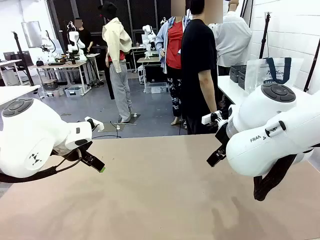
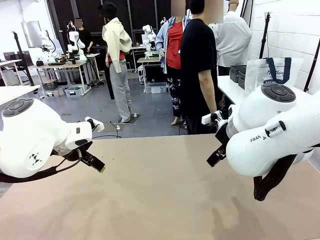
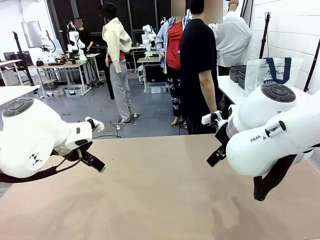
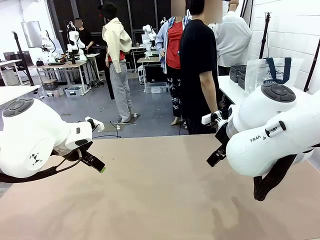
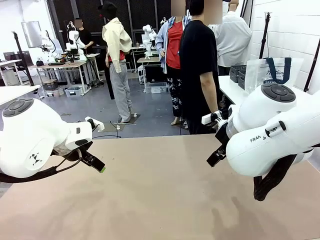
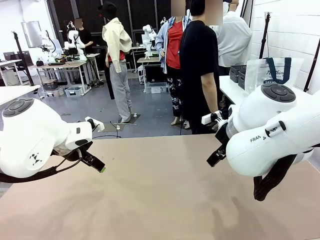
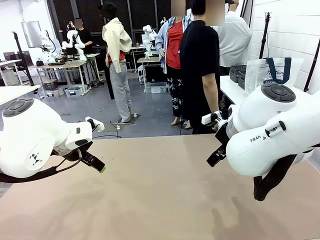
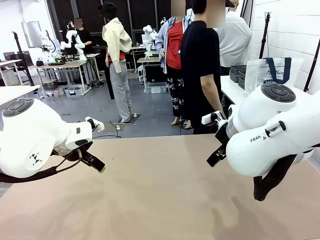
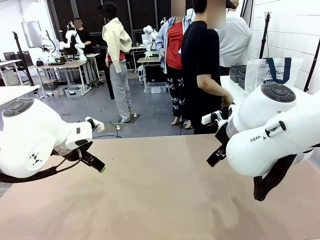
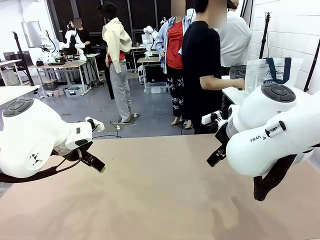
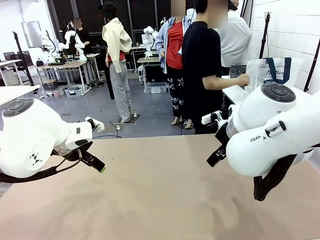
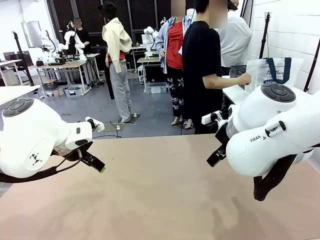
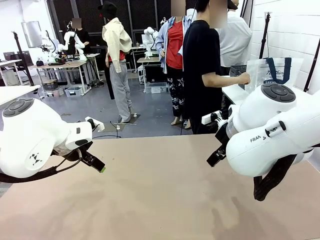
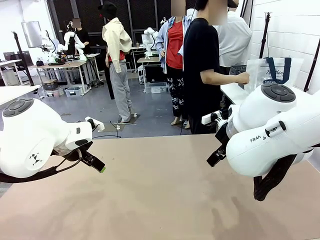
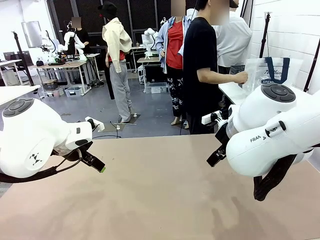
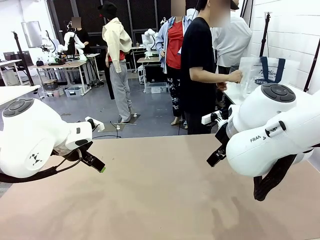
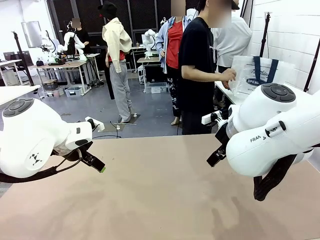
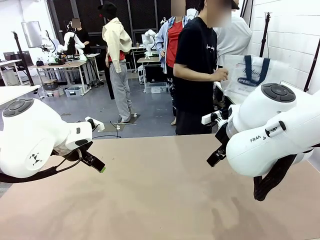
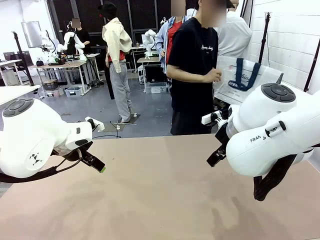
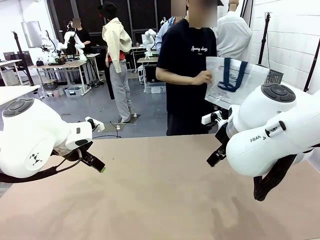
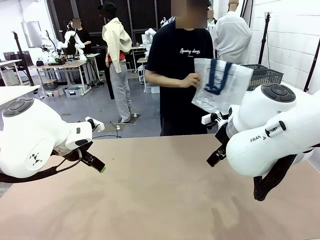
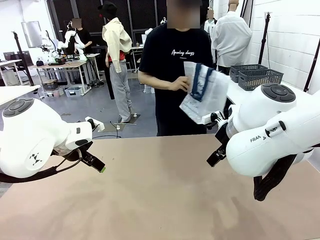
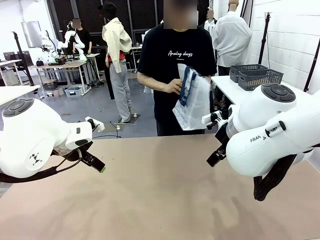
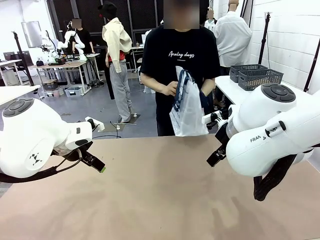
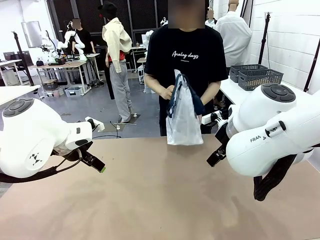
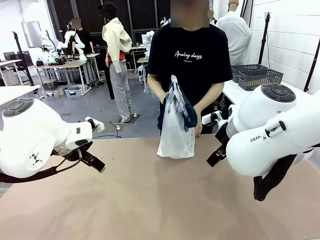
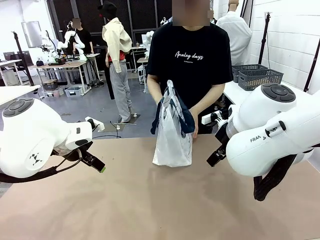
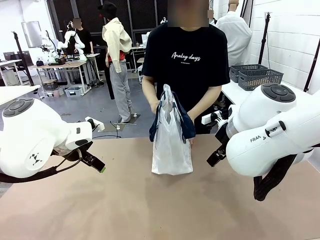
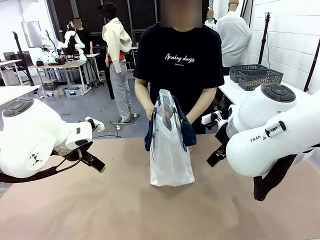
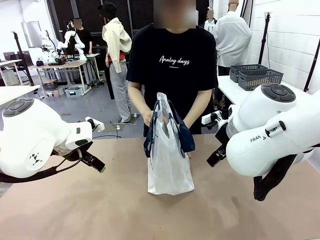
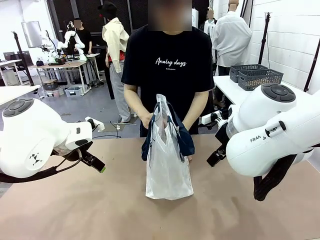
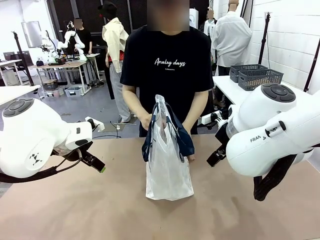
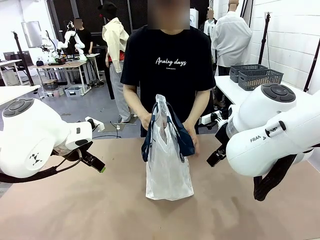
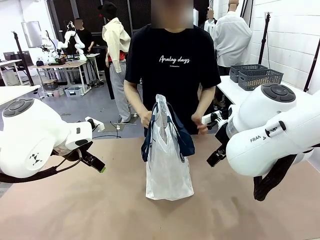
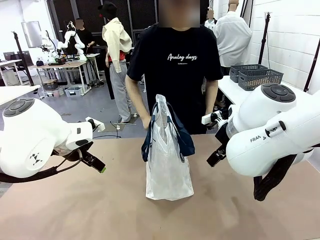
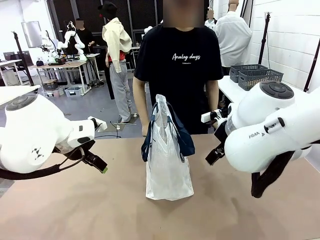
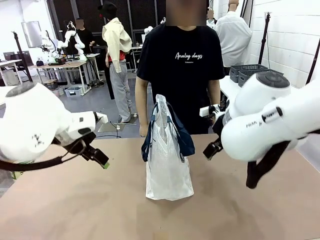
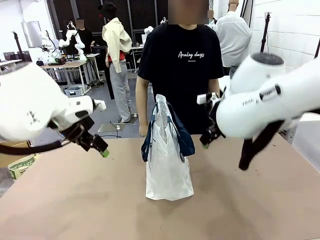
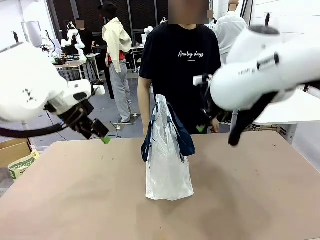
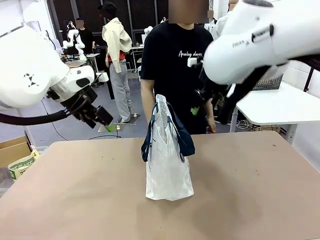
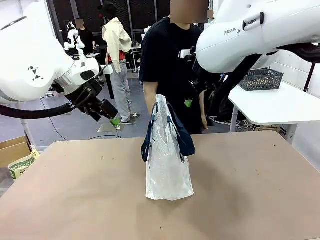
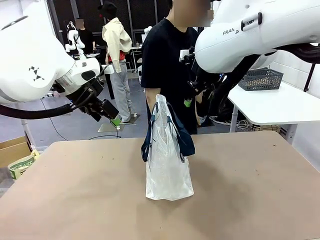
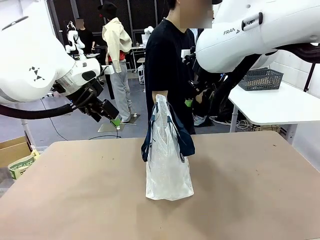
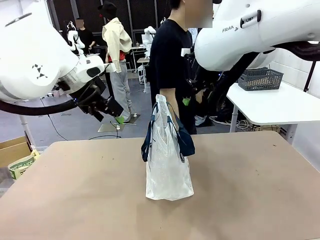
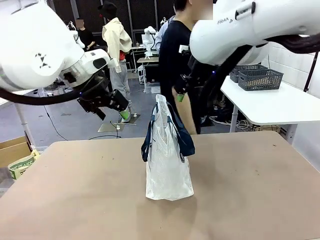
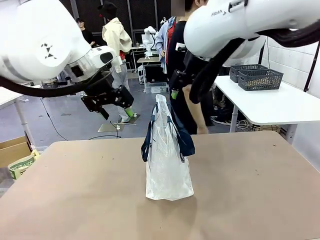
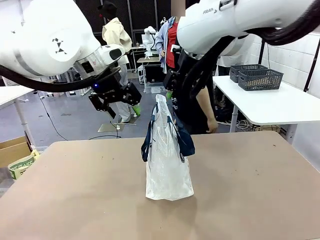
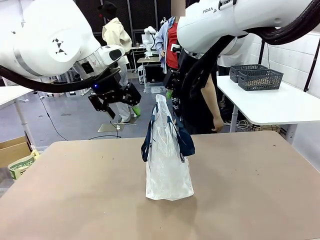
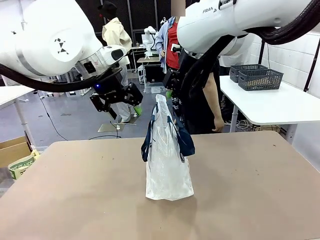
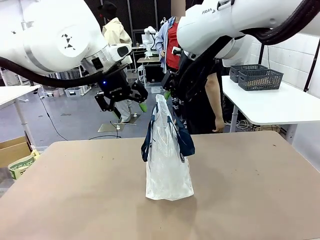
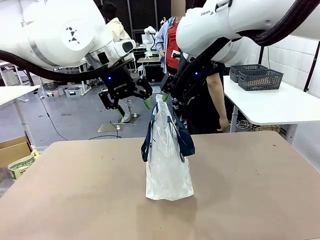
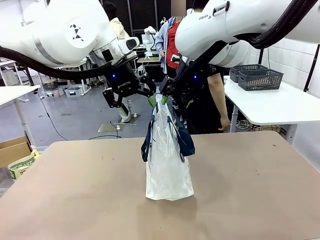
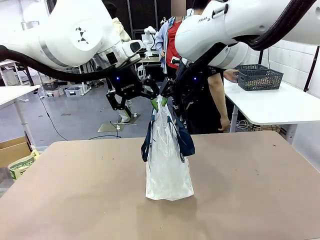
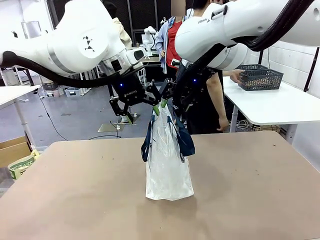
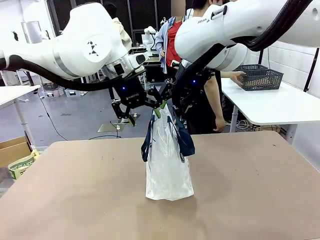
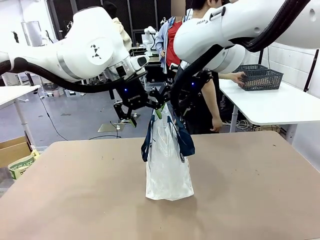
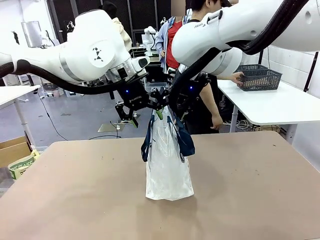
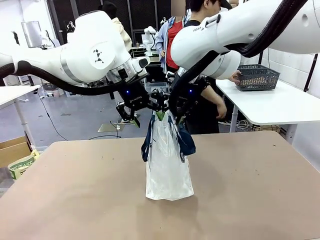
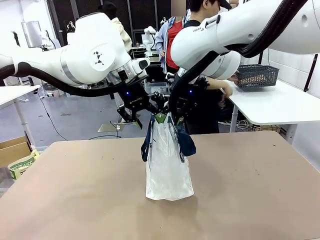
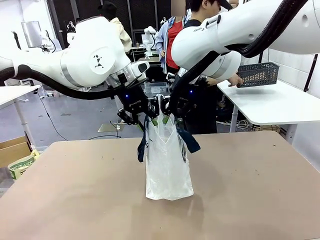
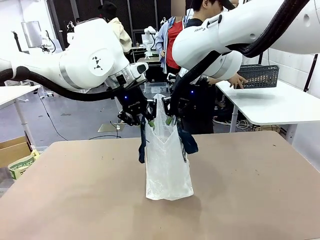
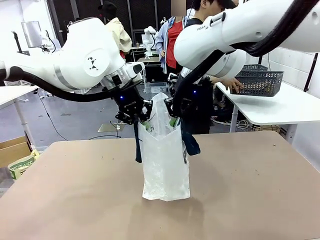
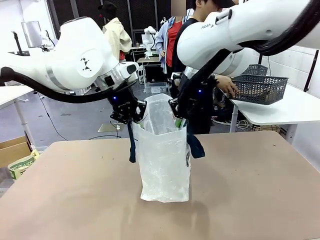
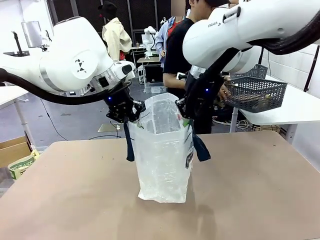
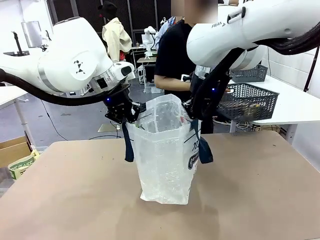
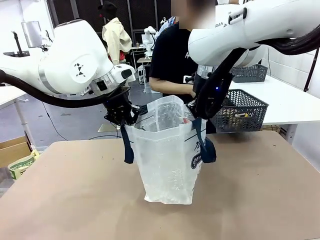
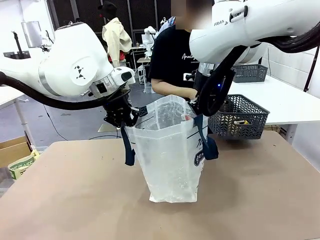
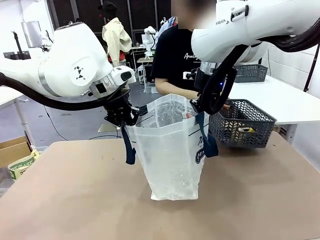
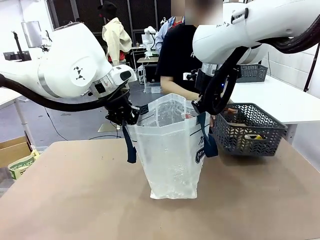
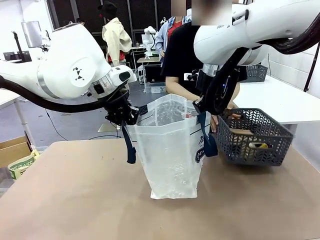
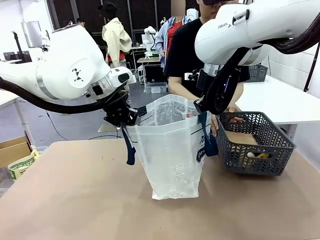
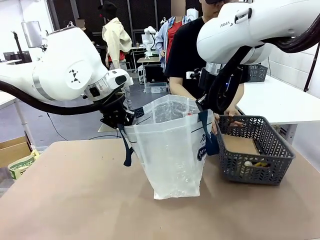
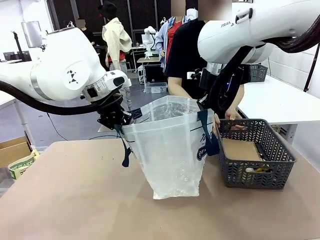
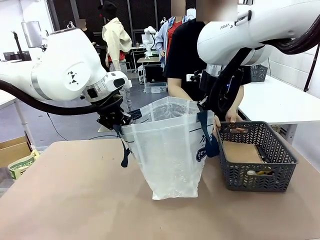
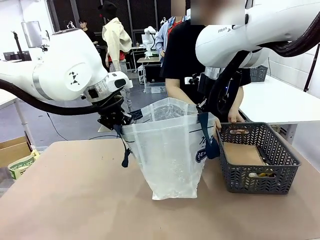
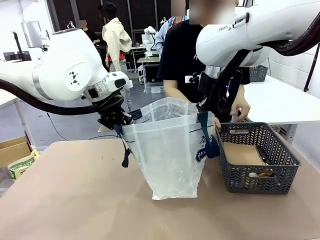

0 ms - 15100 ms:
Task: Transfer purchased items from the store into the shopping bag.
Robot: Open the Reusable shopping bag in the center of the table.
Person: Pick up the shopping bag and place it in the middle of the robot table.
